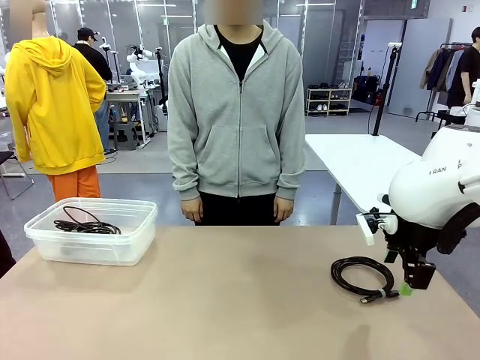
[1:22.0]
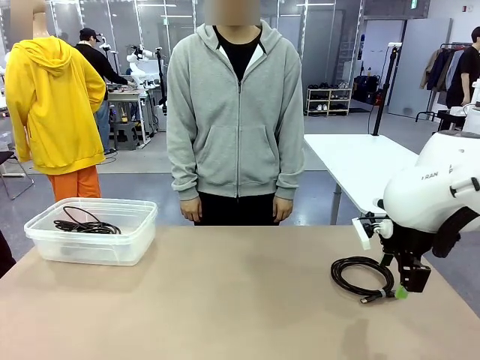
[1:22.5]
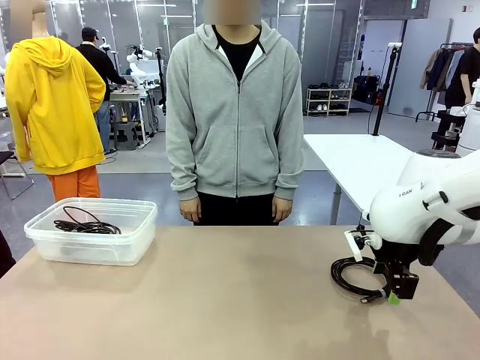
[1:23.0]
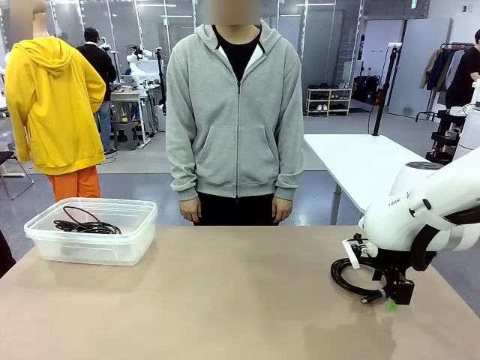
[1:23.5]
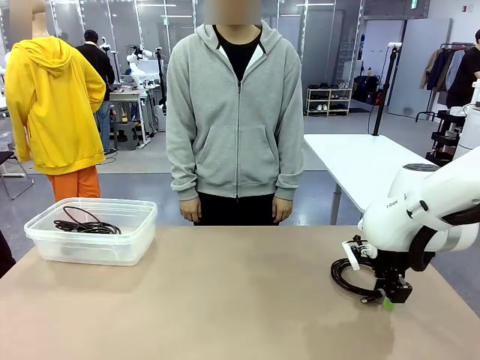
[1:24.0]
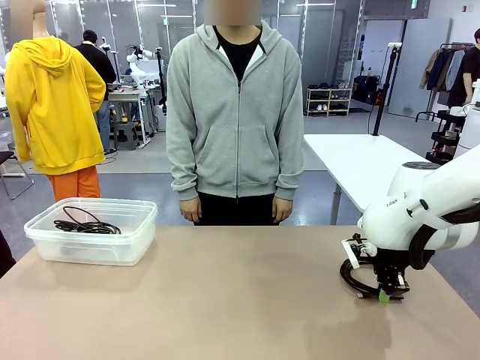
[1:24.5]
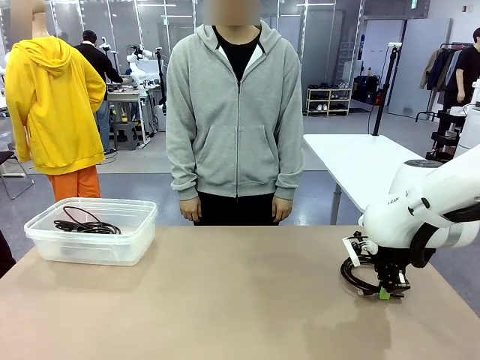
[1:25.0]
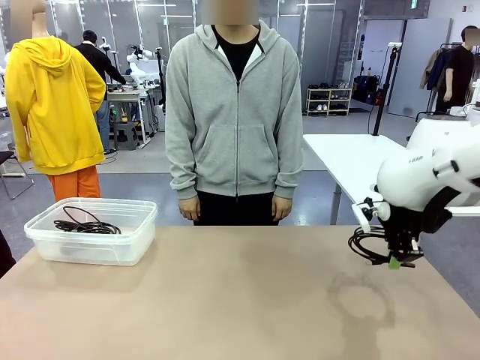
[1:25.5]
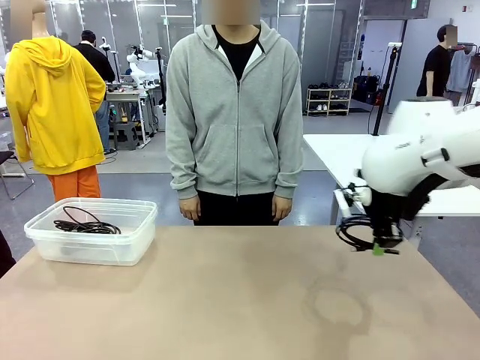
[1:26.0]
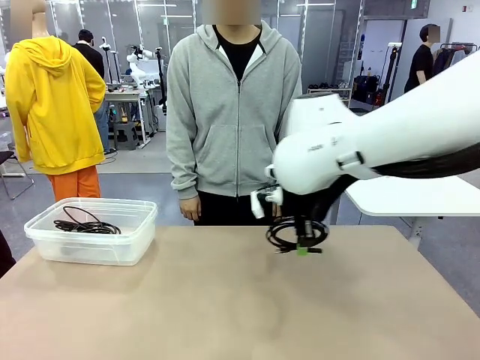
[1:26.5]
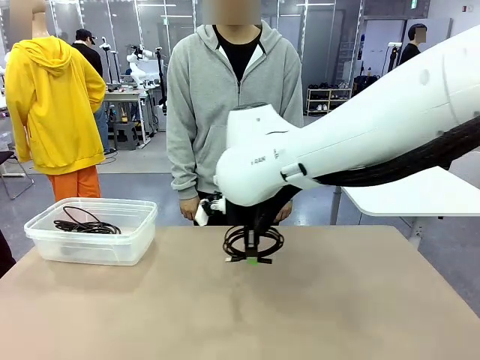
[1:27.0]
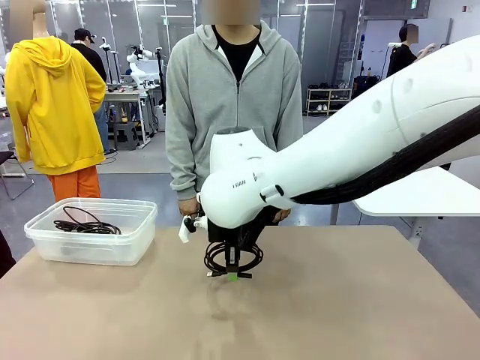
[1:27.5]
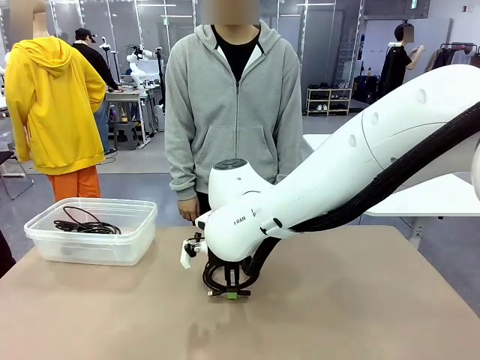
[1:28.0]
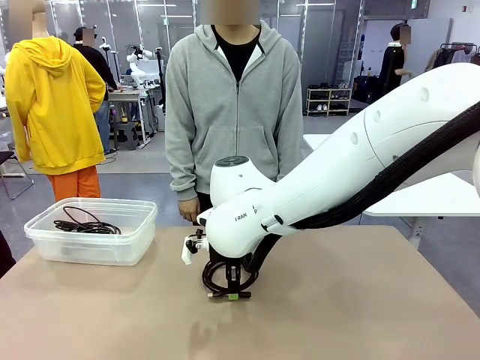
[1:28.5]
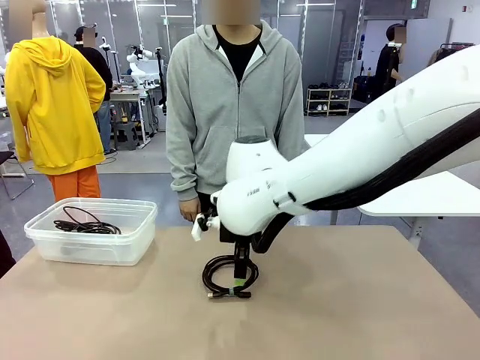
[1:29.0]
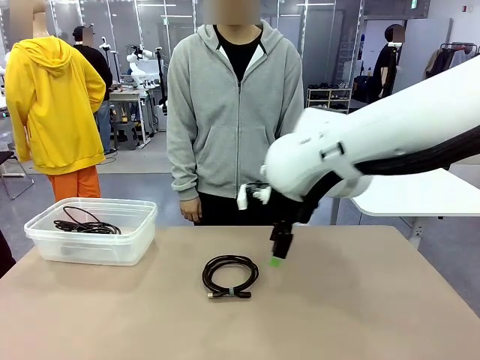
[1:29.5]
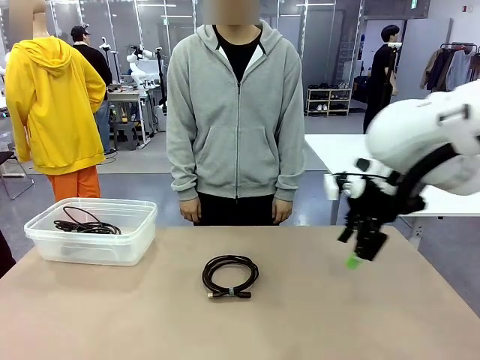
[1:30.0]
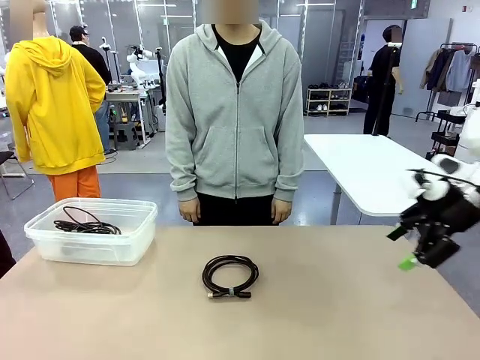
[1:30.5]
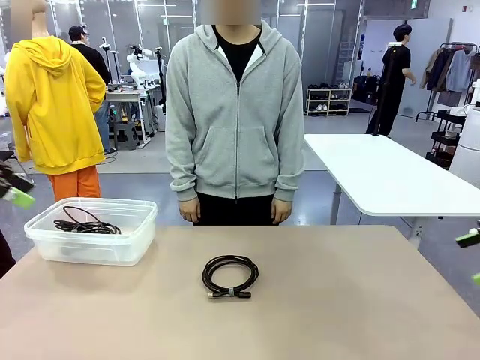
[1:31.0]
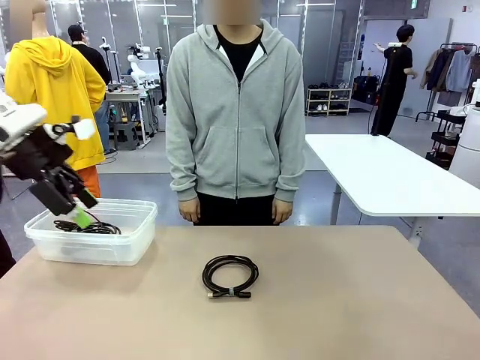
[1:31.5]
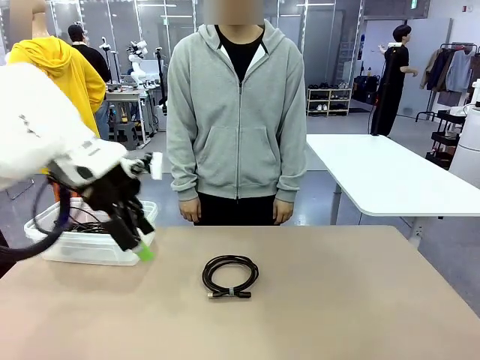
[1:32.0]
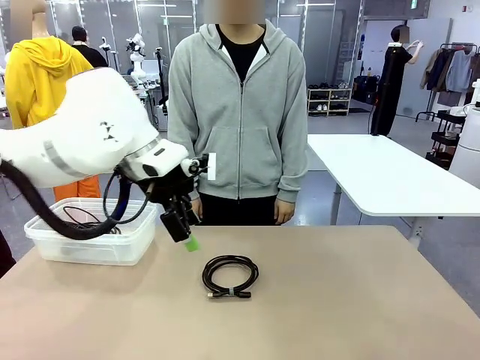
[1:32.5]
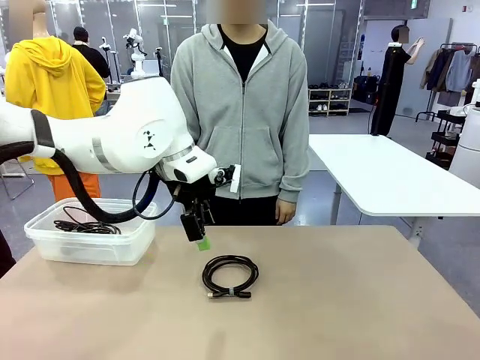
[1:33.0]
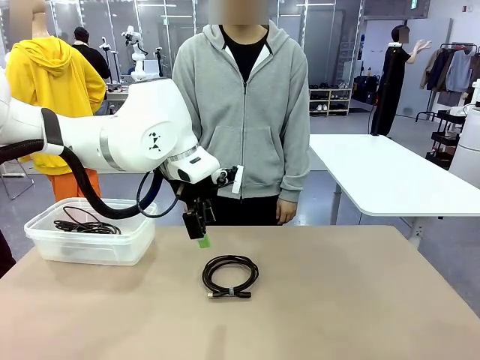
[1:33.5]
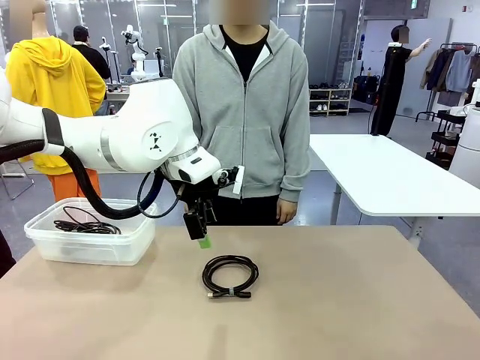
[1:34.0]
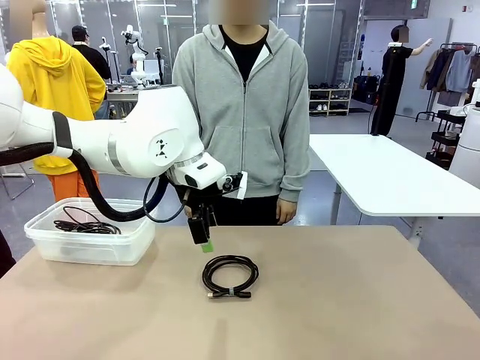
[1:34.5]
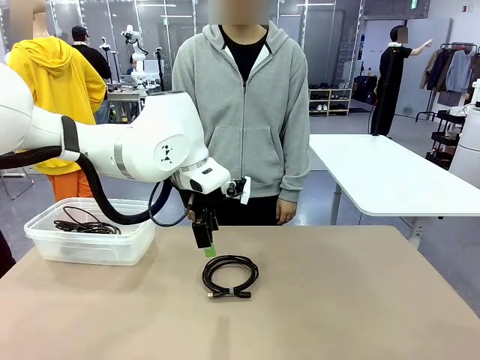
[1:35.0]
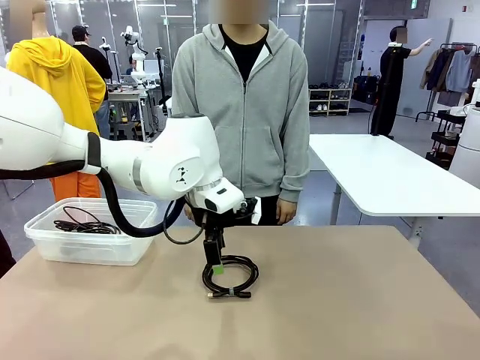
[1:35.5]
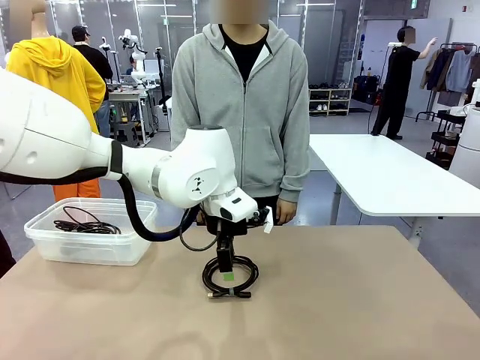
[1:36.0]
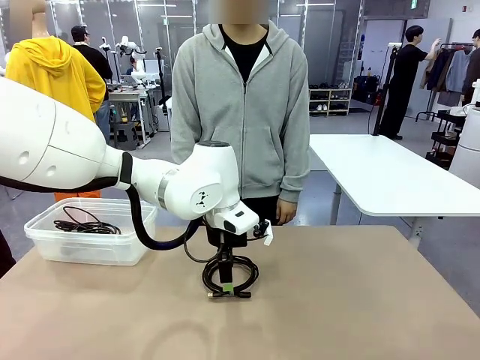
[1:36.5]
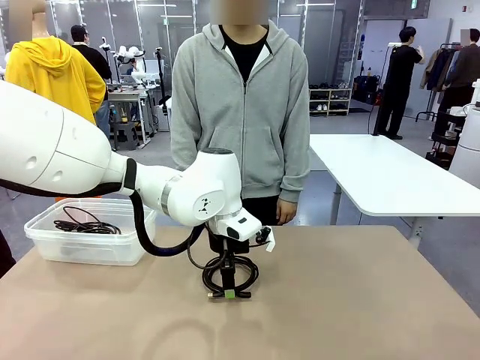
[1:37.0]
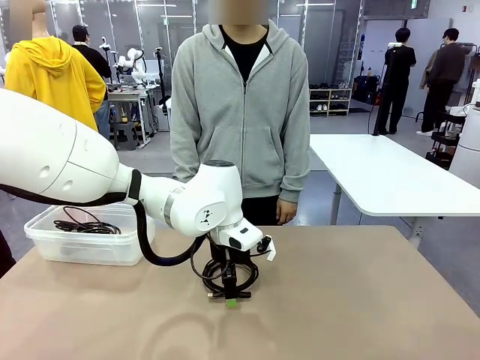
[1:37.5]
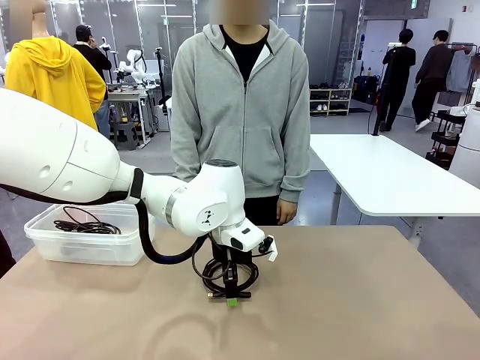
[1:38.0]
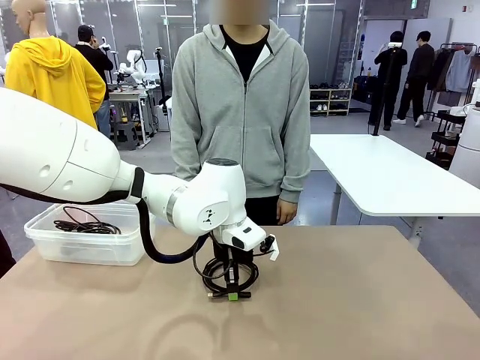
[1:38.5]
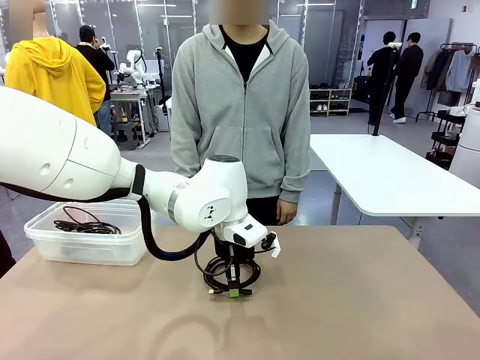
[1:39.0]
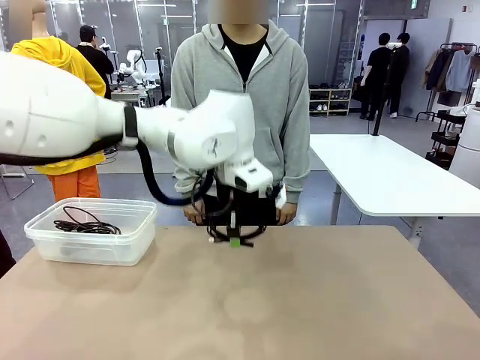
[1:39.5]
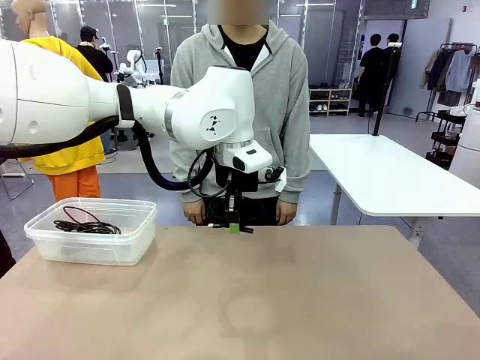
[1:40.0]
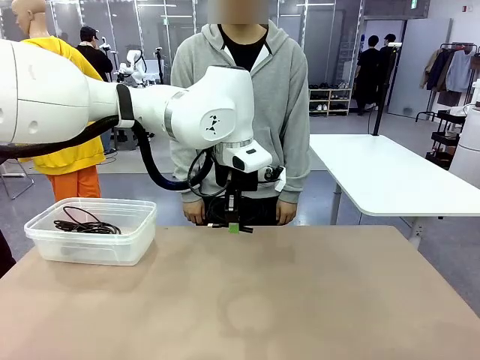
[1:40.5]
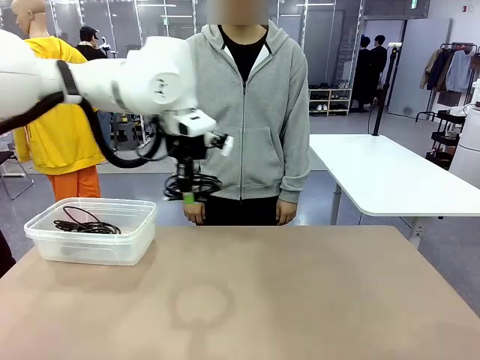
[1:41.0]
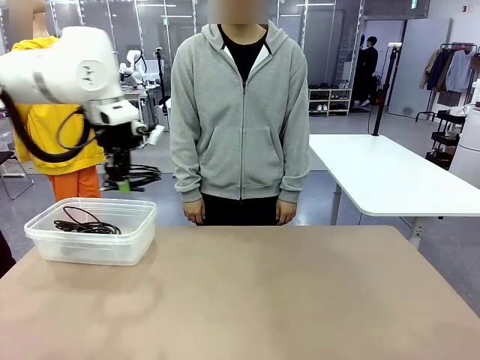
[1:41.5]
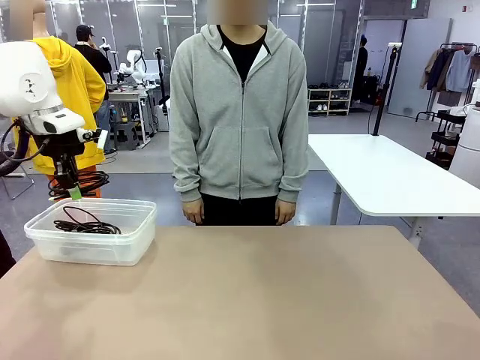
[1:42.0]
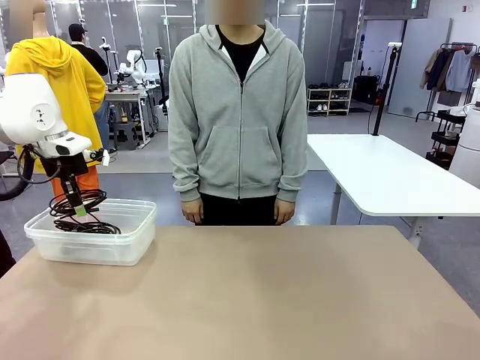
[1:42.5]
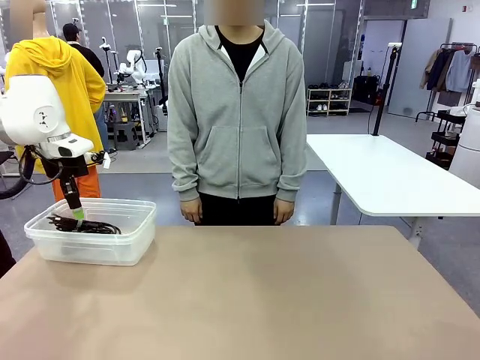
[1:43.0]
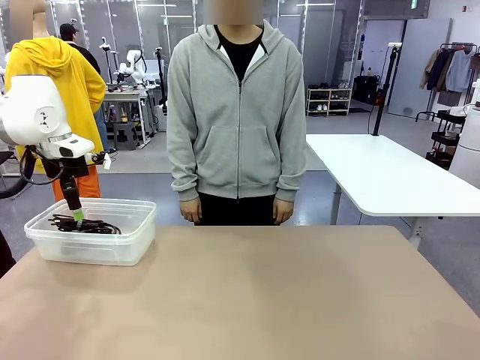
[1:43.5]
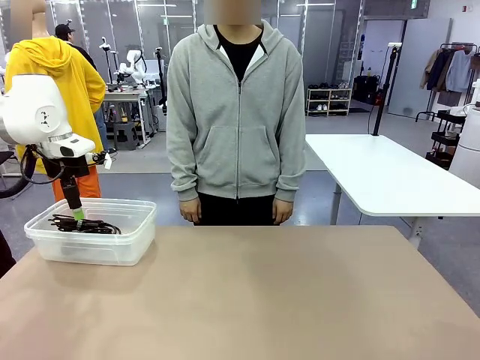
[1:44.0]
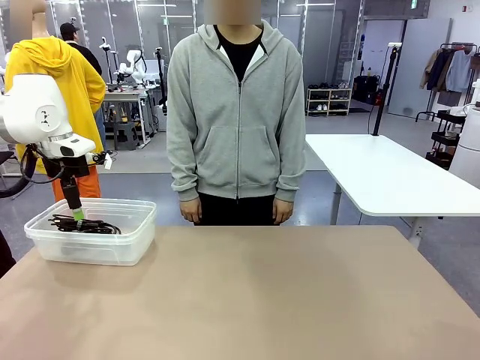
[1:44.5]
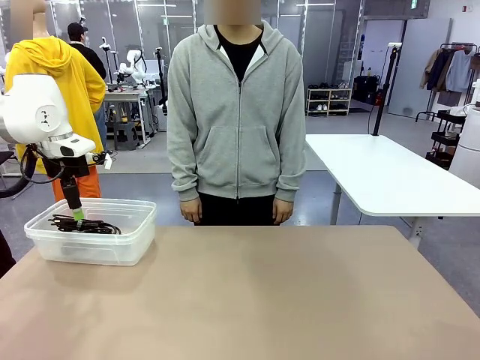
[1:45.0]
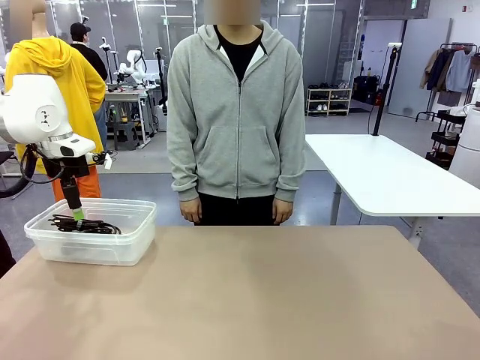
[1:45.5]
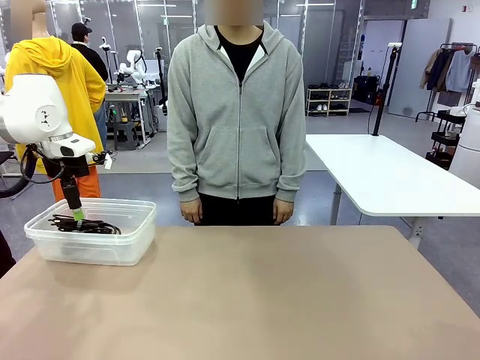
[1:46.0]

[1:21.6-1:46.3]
Task: Organize and store the cables.
Robot: Place the USB Extension Cable into the Organizing box.
